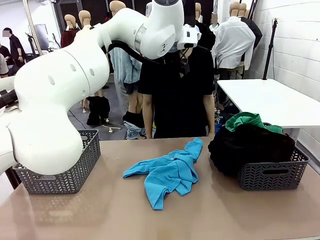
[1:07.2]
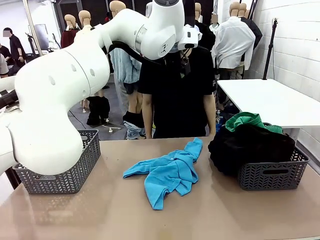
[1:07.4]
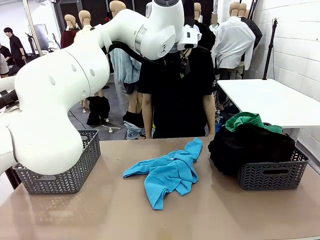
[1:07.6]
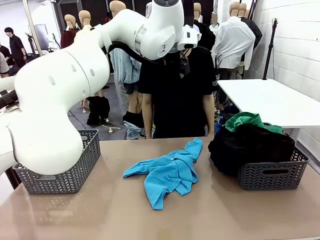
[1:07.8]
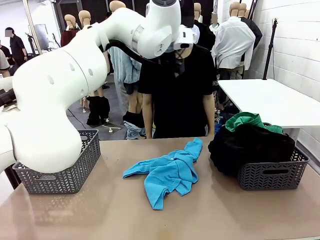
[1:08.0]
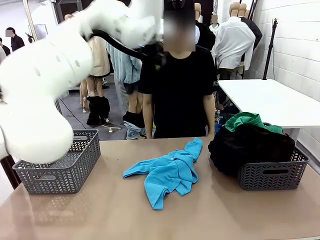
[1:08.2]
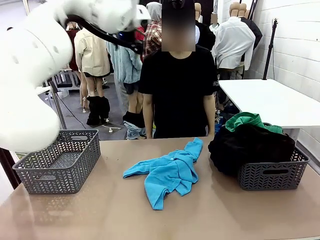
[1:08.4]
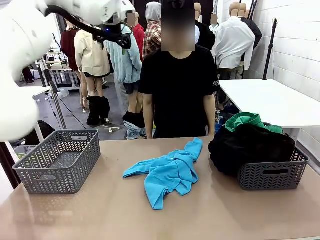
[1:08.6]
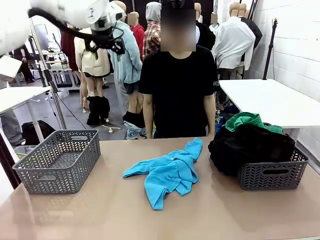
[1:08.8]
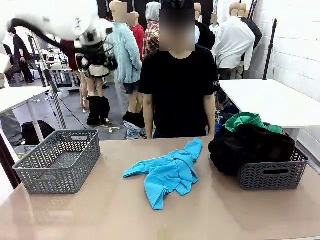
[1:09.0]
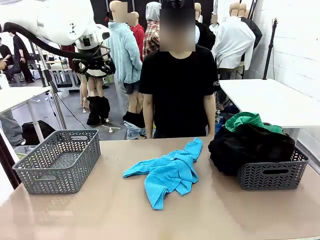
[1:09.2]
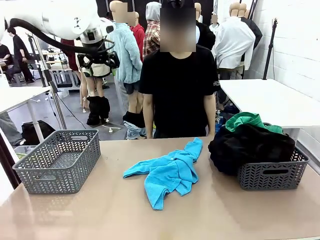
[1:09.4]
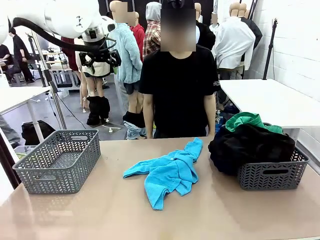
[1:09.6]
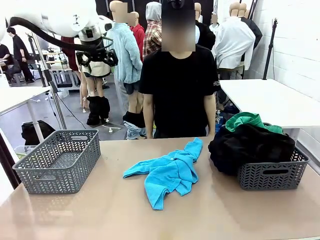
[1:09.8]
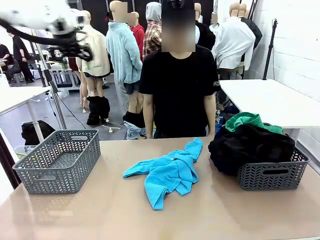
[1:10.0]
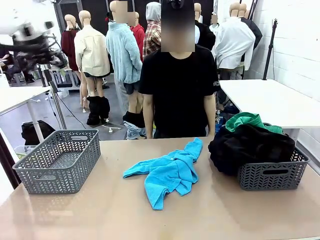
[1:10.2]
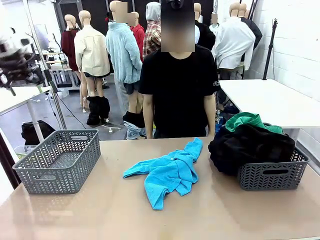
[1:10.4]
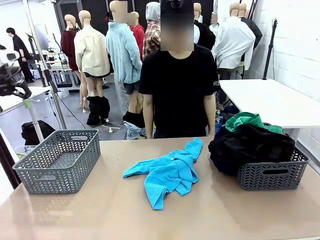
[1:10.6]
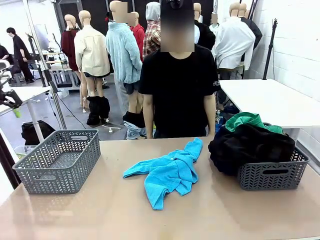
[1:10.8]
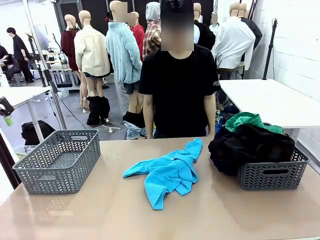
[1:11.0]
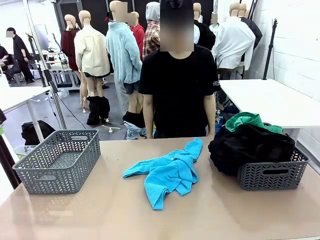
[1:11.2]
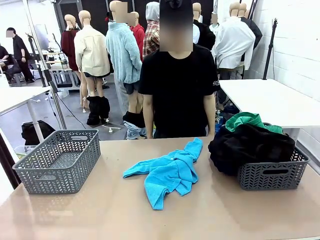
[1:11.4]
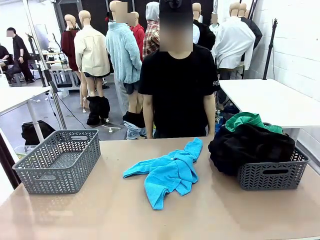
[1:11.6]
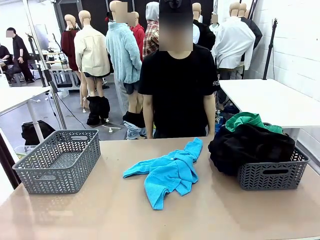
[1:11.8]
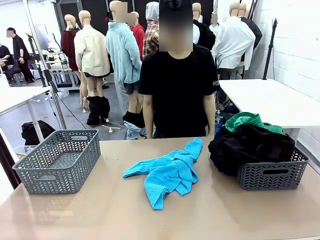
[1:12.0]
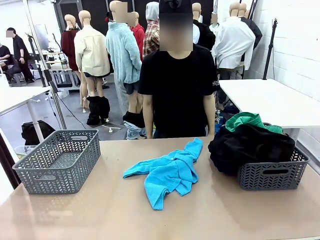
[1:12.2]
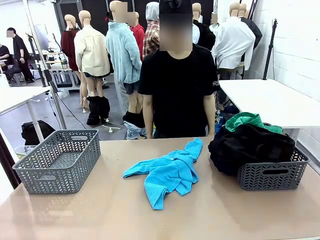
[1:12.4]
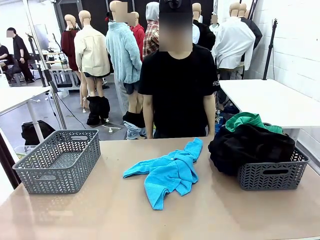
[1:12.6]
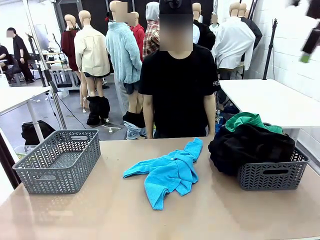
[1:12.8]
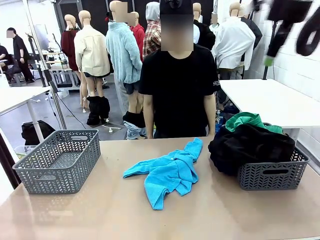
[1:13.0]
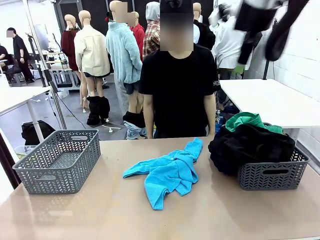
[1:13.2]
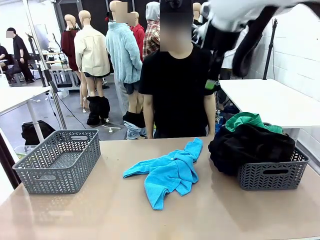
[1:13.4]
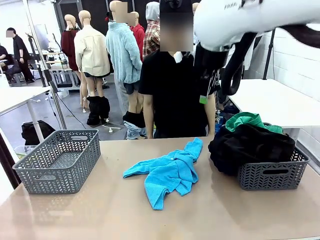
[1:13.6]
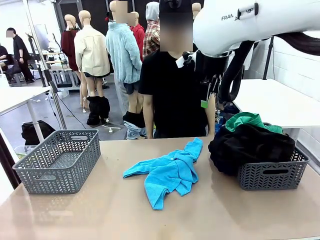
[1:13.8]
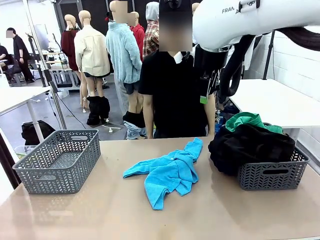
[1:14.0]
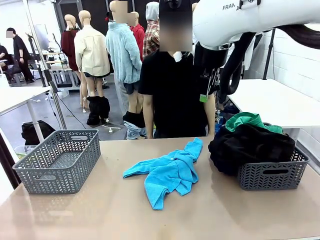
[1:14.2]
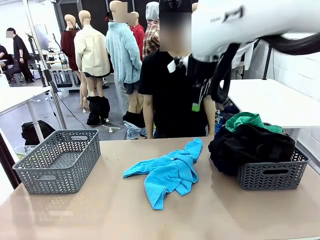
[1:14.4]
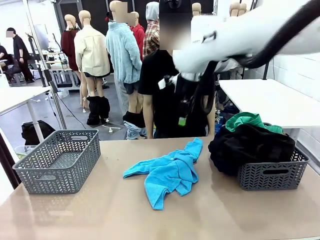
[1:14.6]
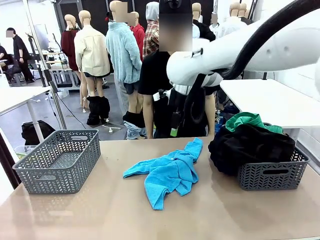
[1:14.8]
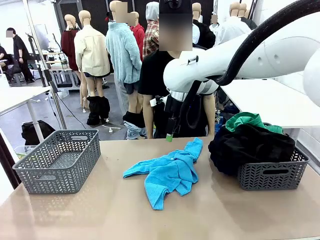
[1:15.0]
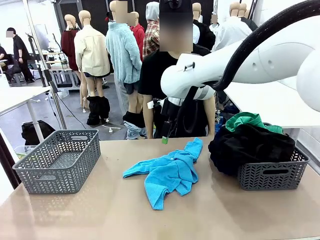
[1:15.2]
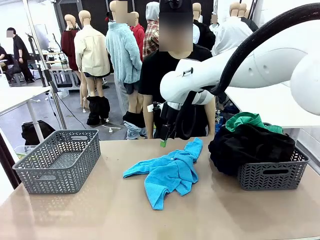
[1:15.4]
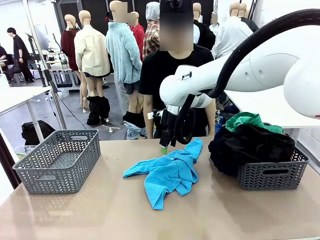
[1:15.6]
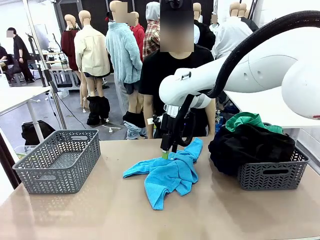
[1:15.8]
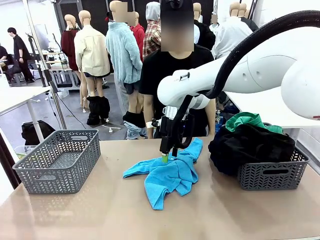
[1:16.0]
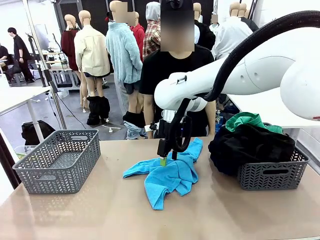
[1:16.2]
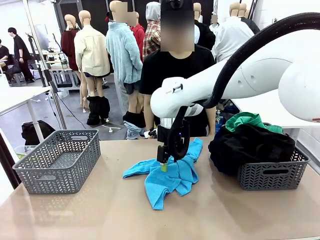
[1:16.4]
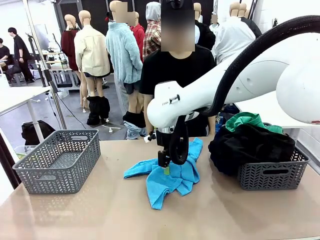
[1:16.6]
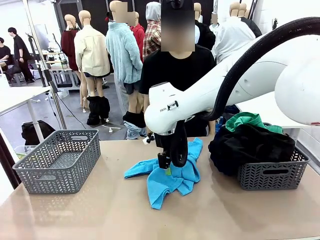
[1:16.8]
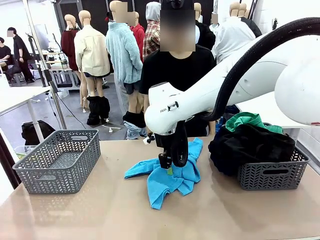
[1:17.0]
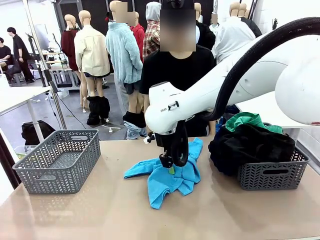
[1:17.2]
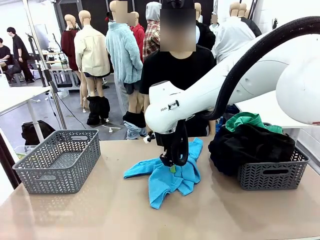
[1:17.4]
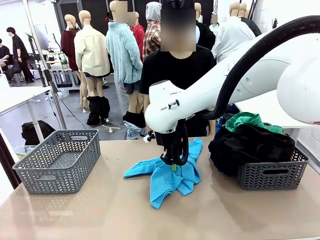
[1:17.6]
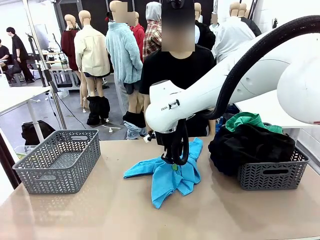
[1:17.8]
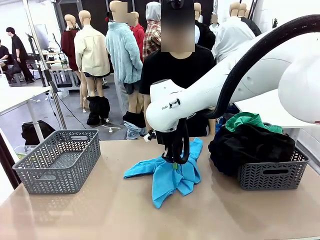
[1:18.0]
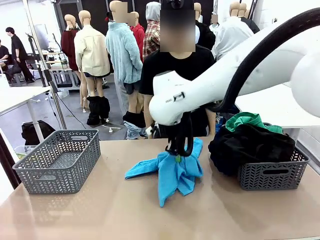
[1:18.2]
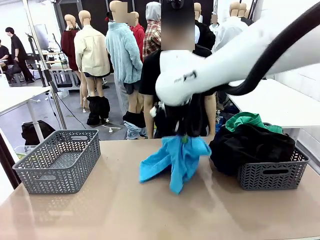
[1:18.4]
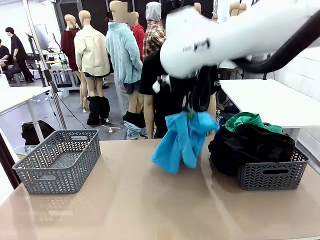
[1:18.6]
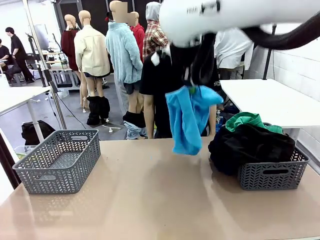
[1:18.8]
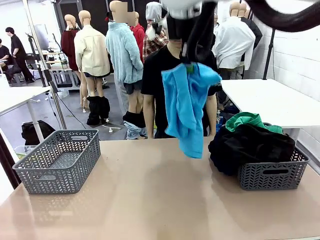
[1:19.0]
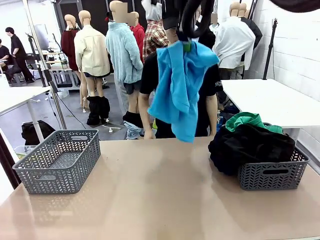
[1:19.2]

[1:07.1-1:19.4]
Task: Sort the tops and bottoms.
Robot: Lift clothes from the center of the table with your right hand.

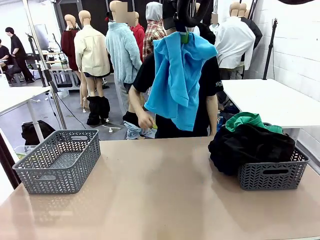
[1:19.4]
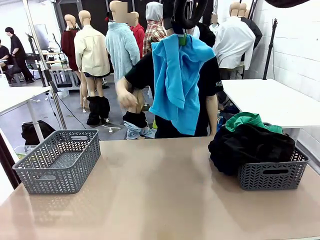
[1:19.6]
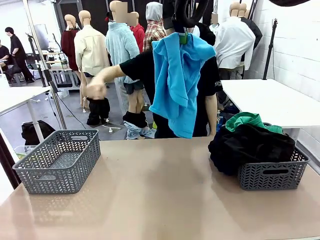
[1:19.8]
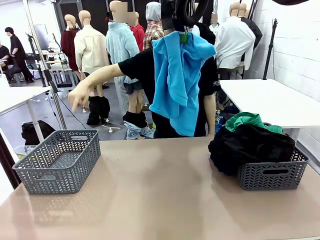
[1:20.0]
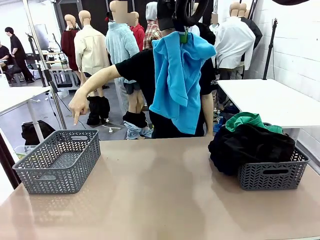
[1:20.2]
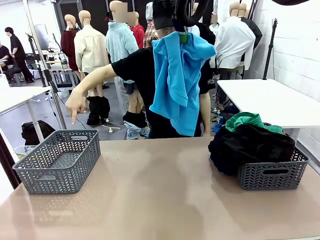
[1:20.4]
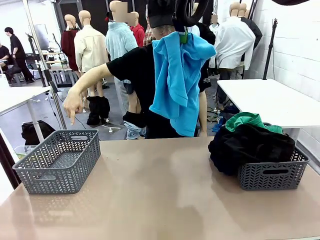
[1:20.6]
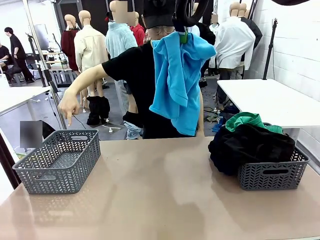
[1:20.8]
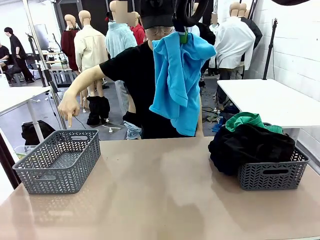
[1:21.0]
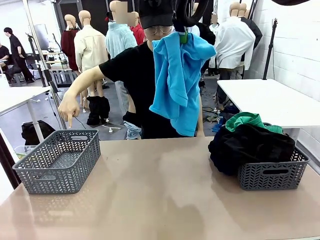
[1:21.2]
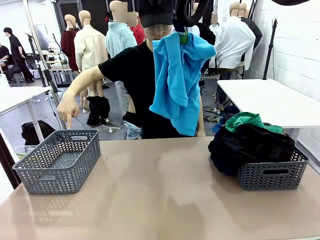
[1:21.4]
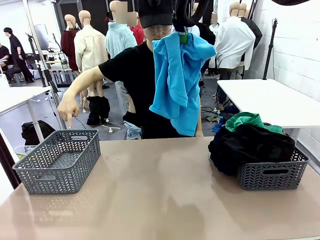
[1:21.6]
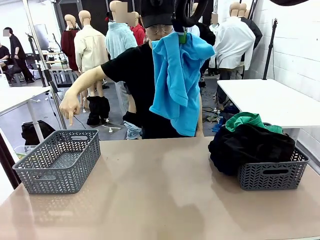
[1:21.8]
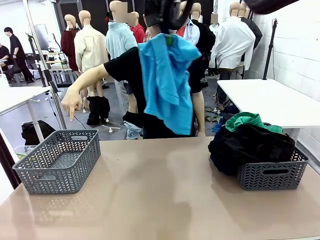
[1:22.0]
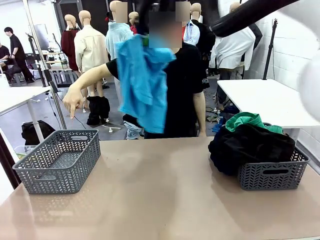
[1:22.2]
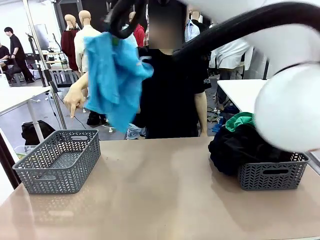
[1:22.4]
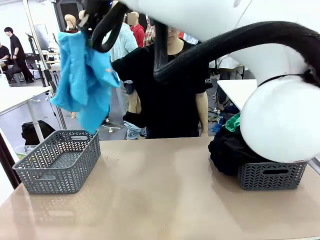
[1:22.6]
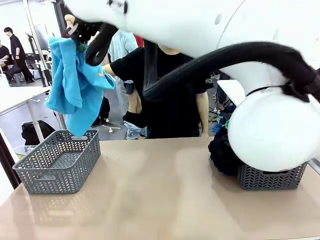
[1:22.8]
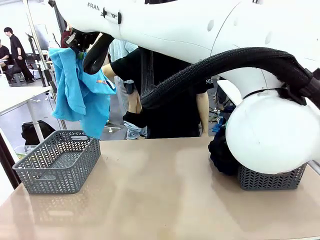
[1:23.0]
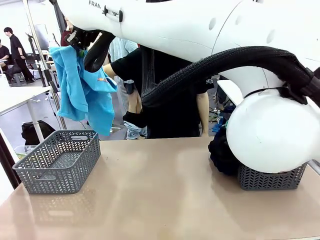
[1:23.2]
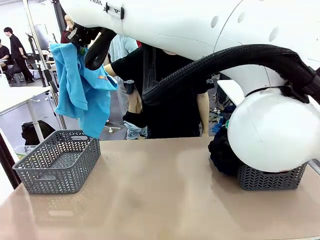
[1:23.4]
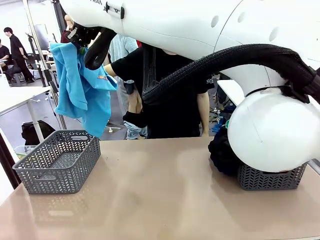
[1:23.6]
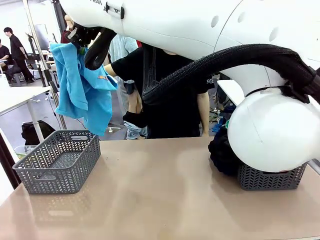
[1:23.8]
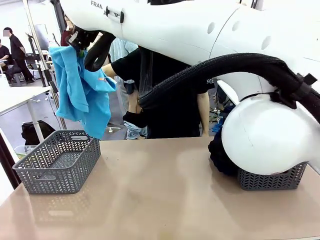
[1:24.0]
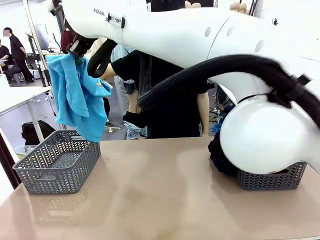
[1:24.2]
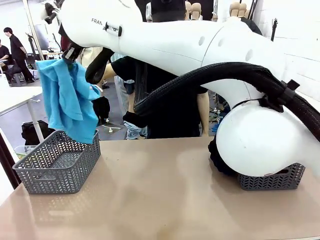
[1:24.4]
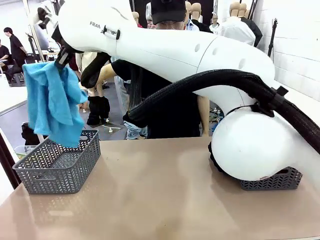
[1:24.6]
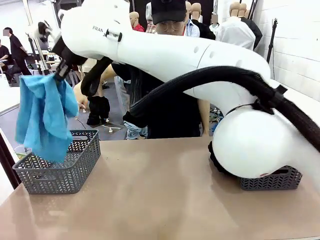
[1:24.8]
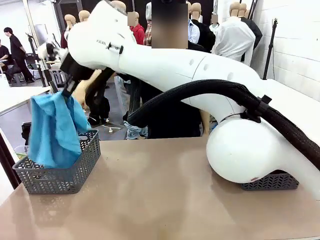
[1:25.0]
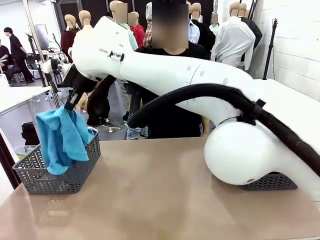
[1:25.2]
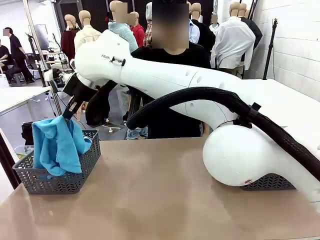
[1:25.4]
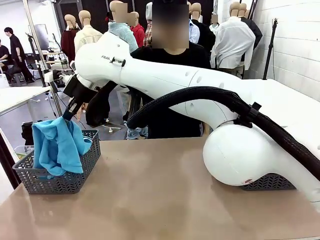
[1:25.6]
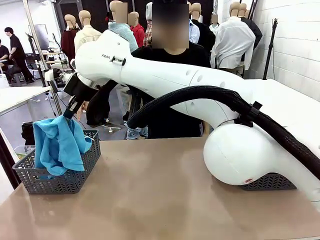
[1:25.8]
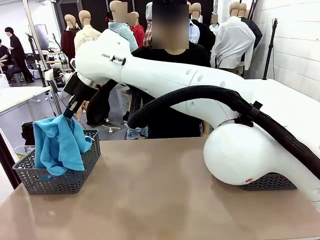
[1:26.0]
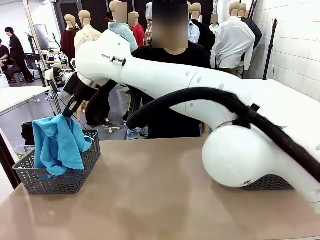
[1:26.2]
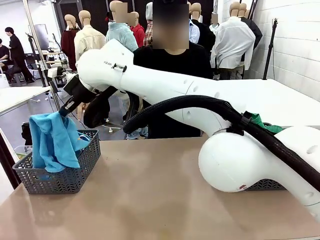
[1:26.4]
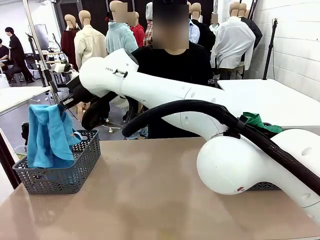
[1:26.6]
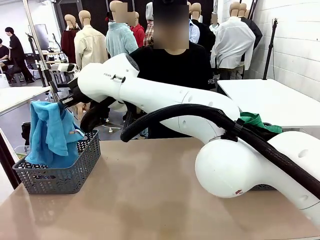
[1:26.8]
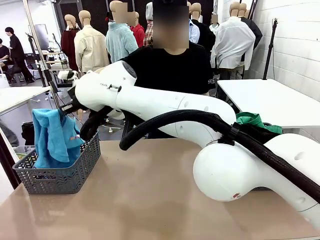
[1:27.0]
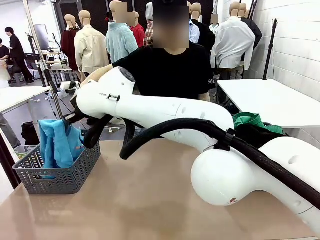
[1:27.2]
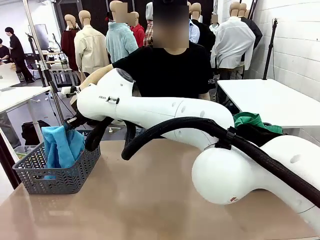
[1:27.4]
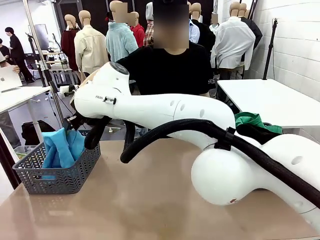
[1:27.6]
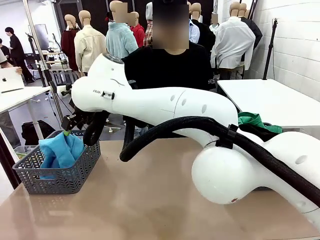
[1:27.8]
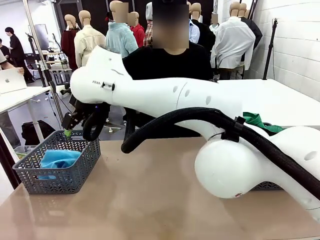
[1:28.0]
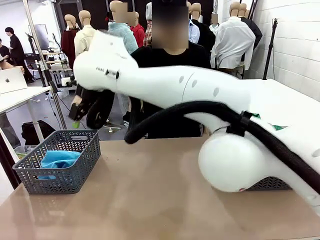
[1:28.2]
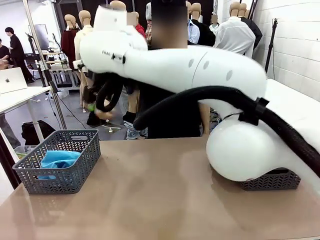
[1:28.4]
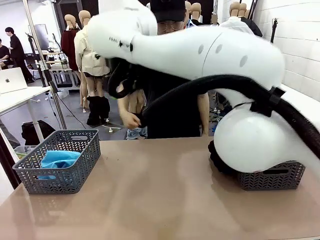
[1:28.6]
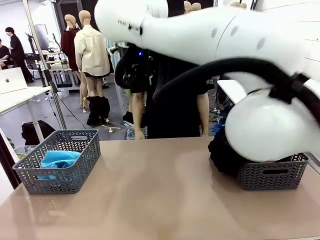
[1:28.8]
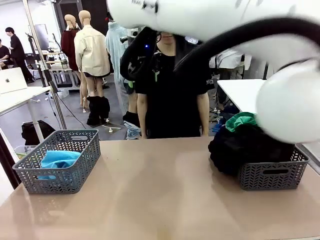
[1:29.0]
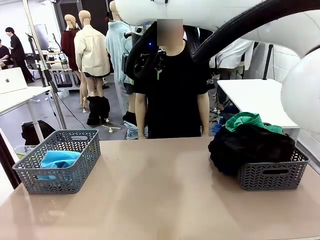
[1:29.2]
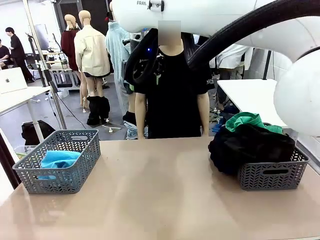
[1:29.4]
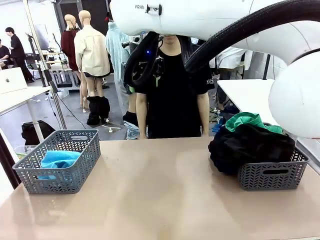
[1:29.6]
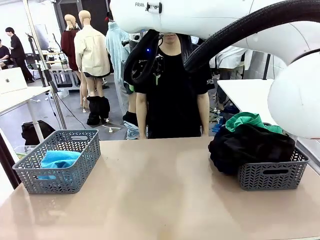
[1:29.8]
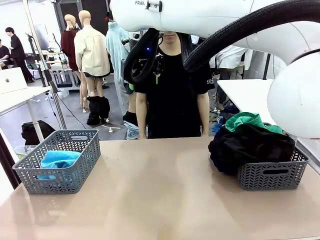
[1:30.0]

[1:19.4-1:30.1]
Robot: Sort the clothes according to human instructions.
